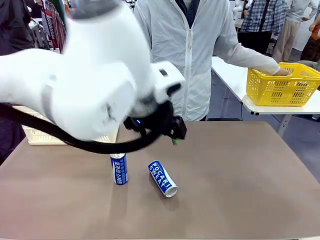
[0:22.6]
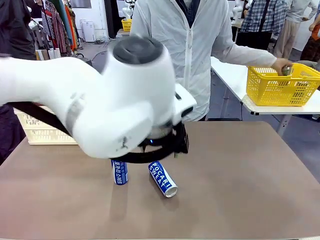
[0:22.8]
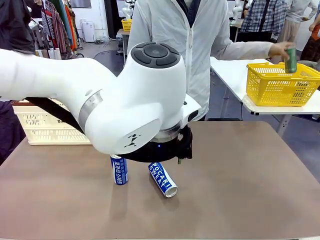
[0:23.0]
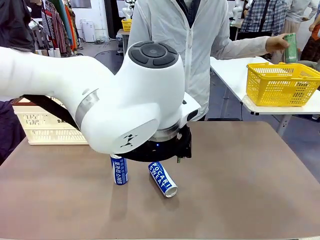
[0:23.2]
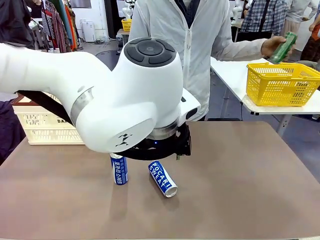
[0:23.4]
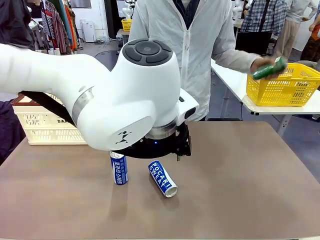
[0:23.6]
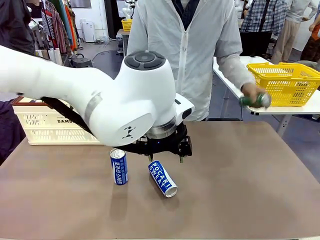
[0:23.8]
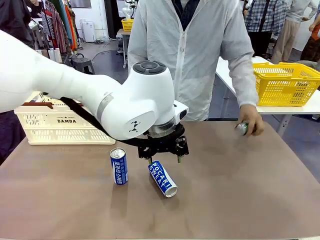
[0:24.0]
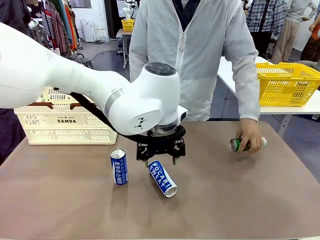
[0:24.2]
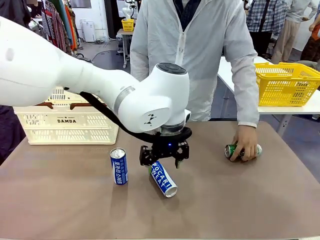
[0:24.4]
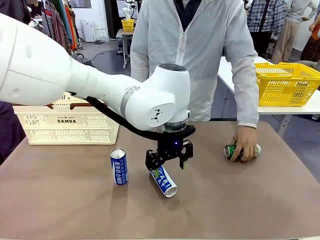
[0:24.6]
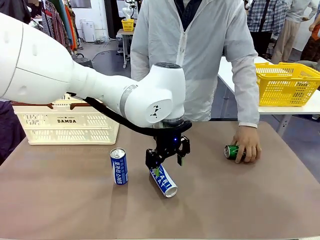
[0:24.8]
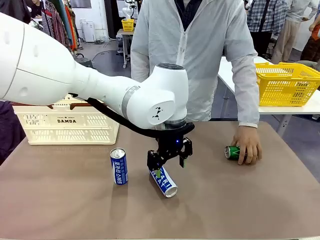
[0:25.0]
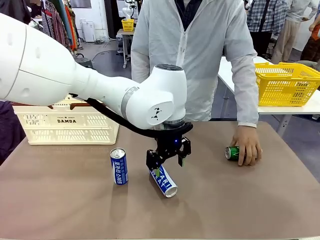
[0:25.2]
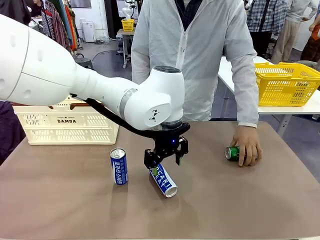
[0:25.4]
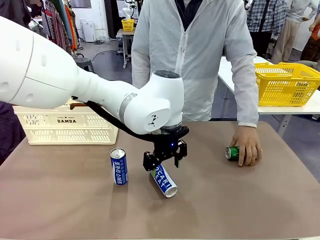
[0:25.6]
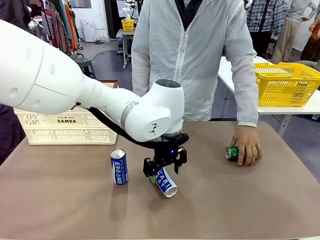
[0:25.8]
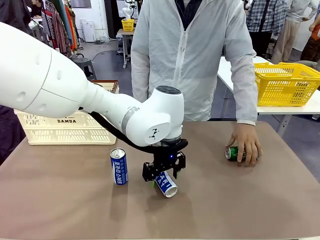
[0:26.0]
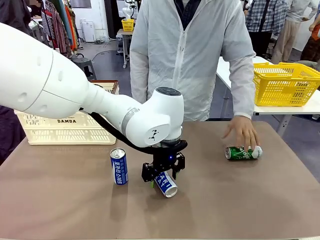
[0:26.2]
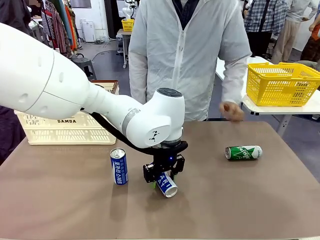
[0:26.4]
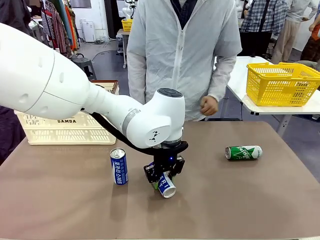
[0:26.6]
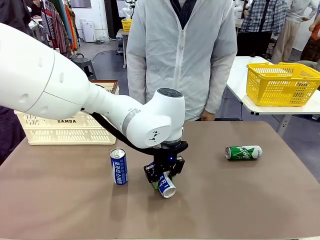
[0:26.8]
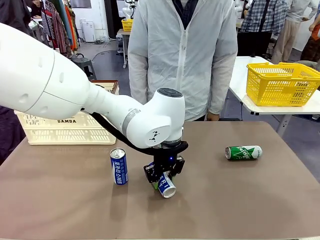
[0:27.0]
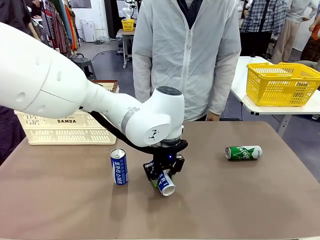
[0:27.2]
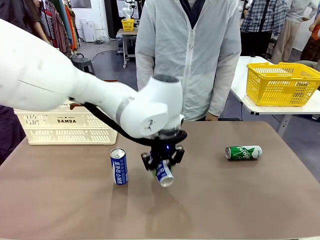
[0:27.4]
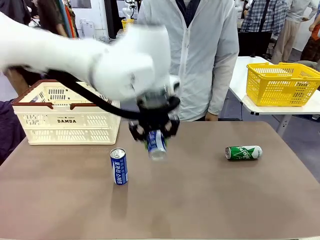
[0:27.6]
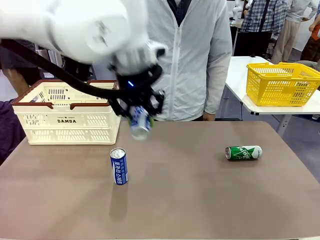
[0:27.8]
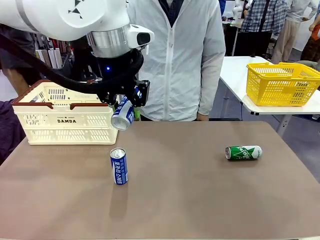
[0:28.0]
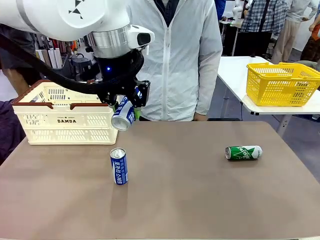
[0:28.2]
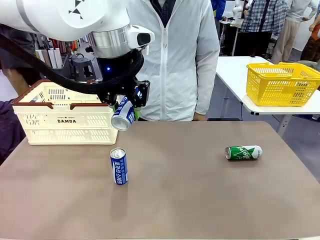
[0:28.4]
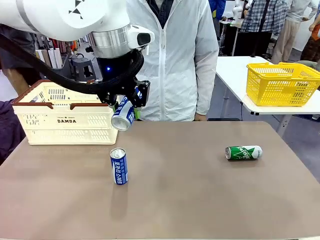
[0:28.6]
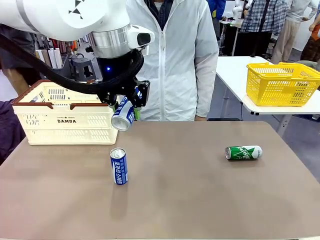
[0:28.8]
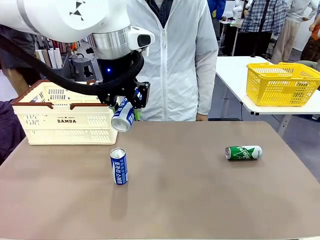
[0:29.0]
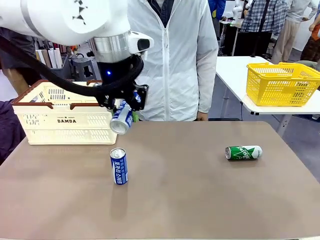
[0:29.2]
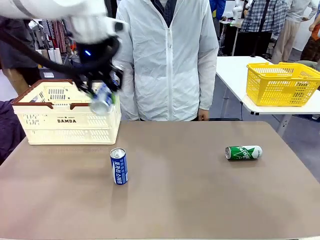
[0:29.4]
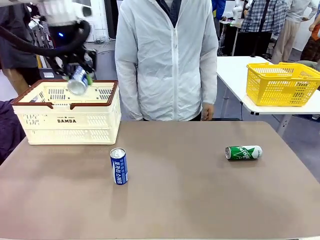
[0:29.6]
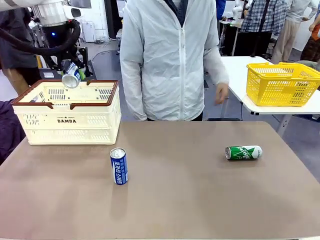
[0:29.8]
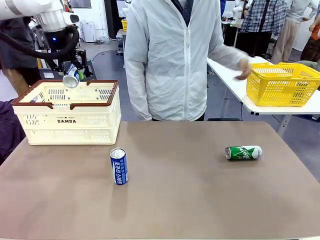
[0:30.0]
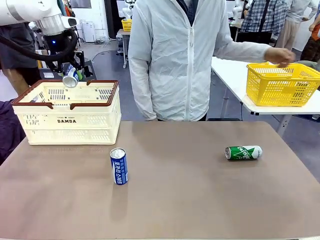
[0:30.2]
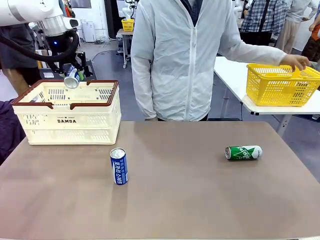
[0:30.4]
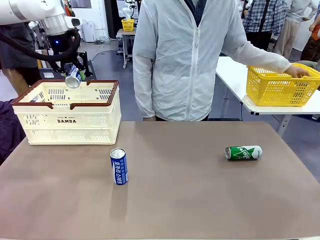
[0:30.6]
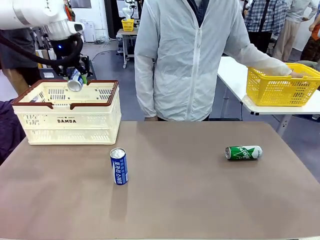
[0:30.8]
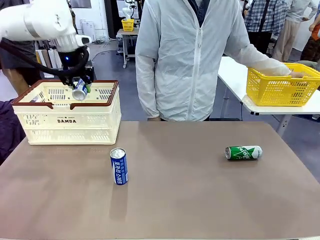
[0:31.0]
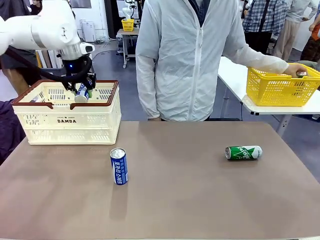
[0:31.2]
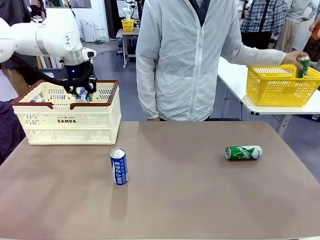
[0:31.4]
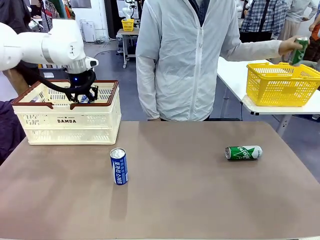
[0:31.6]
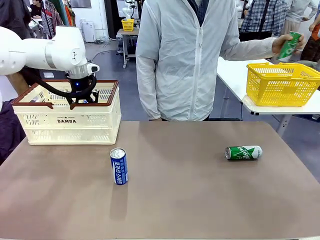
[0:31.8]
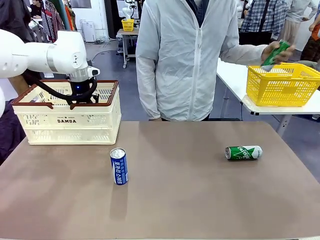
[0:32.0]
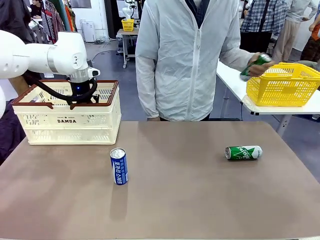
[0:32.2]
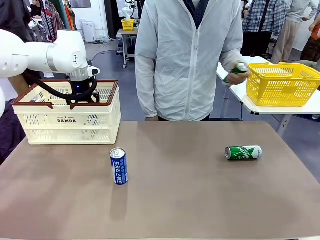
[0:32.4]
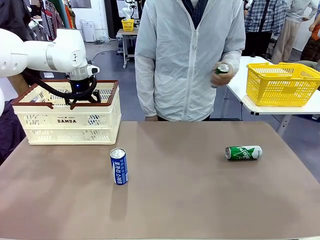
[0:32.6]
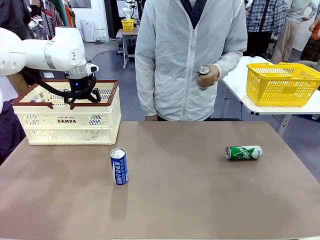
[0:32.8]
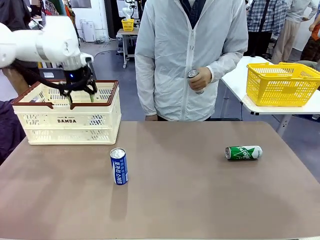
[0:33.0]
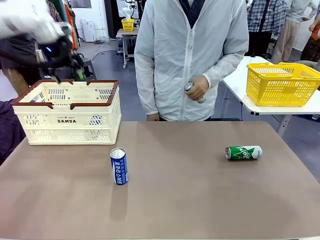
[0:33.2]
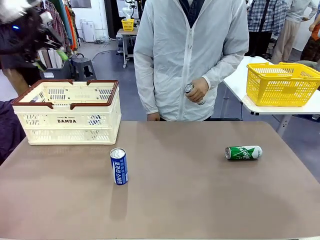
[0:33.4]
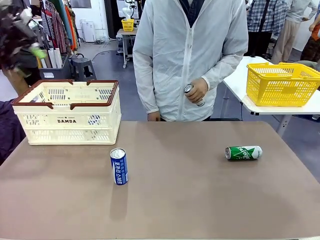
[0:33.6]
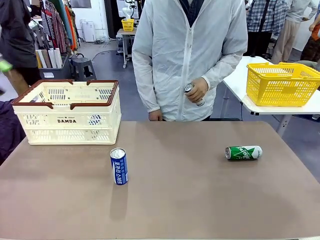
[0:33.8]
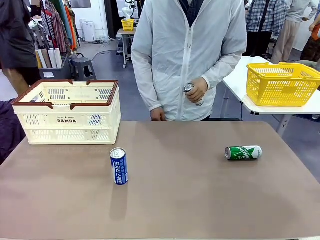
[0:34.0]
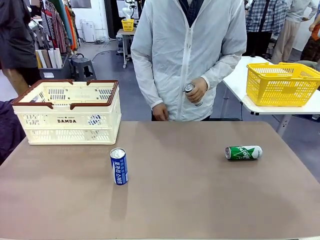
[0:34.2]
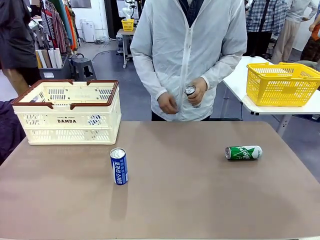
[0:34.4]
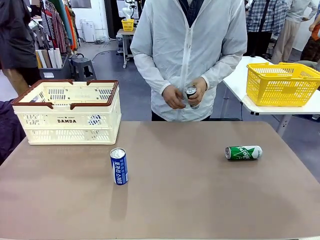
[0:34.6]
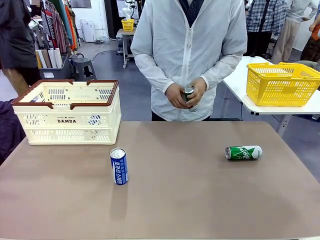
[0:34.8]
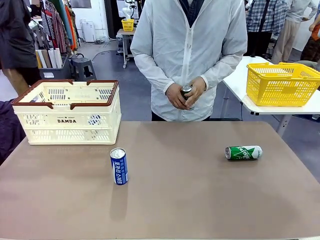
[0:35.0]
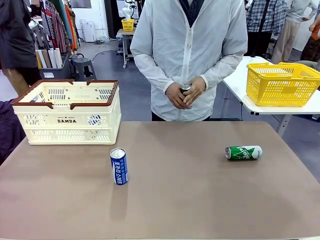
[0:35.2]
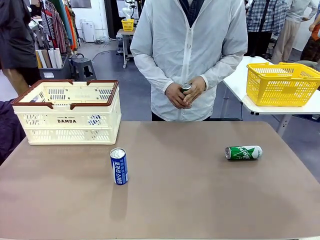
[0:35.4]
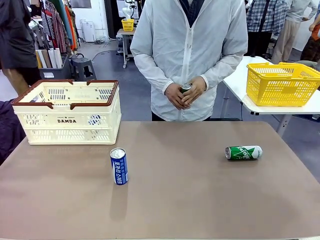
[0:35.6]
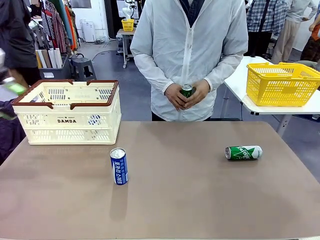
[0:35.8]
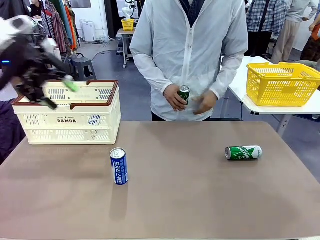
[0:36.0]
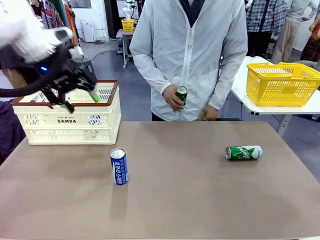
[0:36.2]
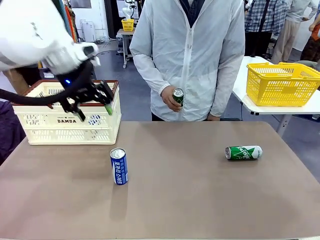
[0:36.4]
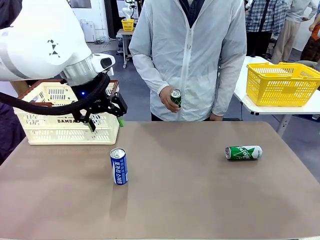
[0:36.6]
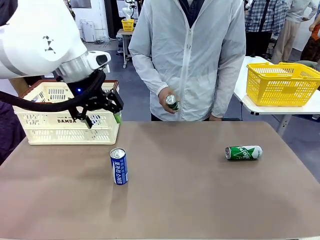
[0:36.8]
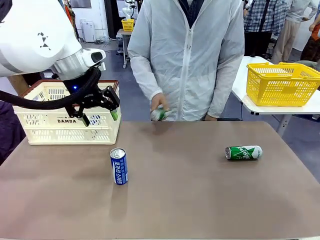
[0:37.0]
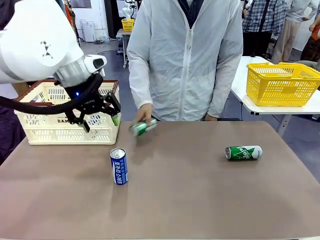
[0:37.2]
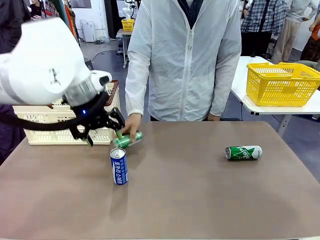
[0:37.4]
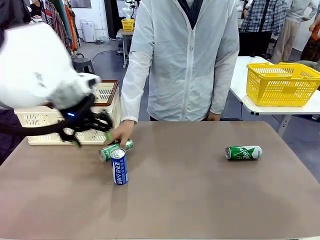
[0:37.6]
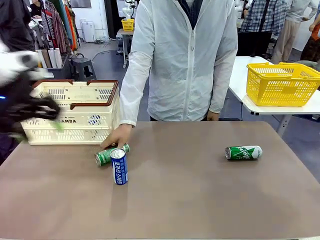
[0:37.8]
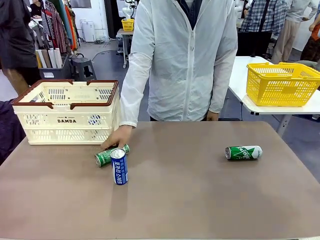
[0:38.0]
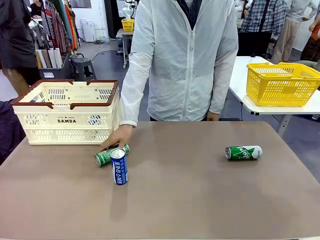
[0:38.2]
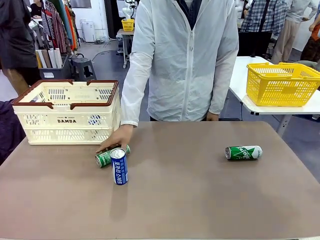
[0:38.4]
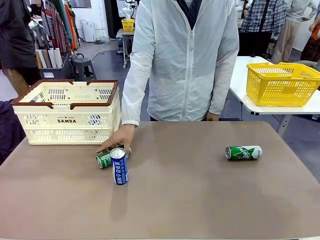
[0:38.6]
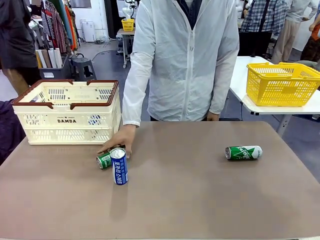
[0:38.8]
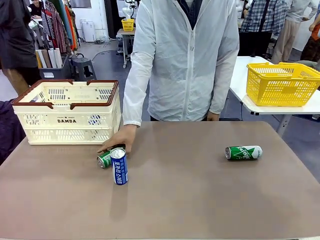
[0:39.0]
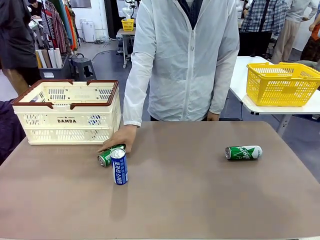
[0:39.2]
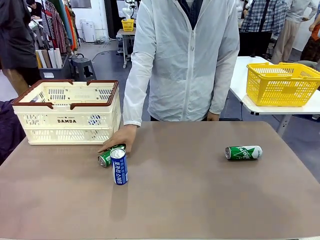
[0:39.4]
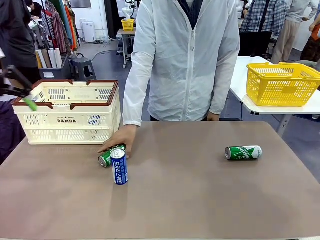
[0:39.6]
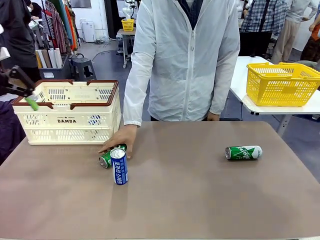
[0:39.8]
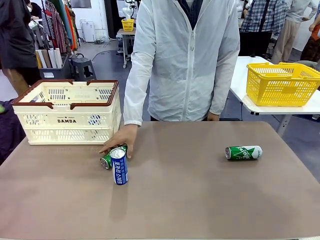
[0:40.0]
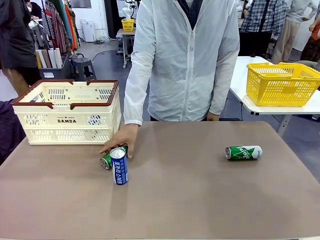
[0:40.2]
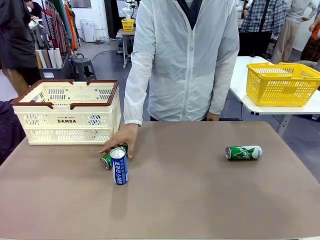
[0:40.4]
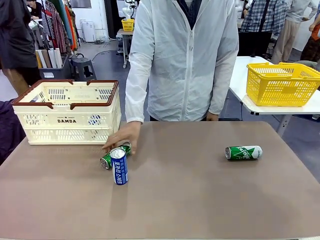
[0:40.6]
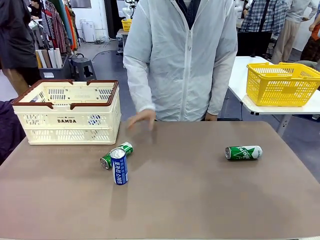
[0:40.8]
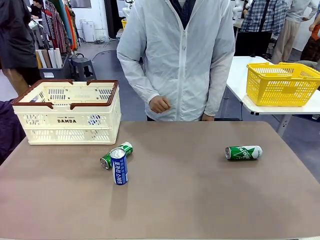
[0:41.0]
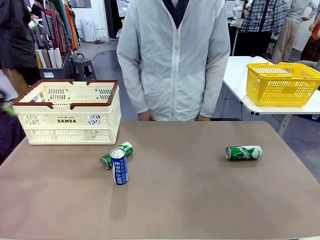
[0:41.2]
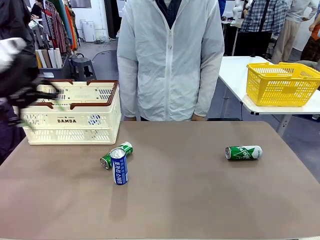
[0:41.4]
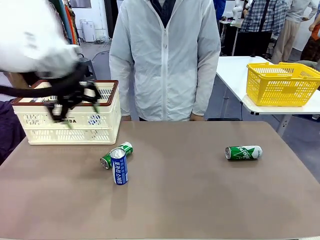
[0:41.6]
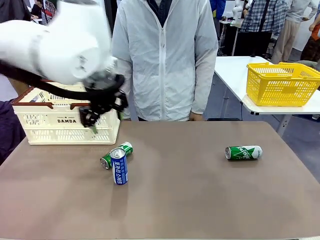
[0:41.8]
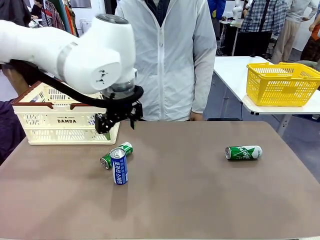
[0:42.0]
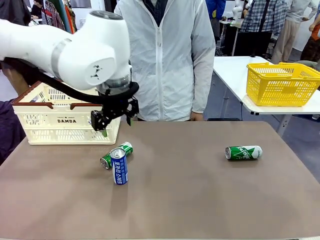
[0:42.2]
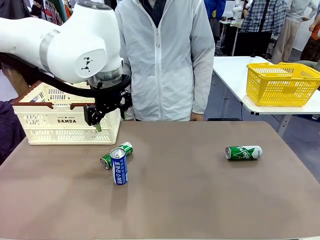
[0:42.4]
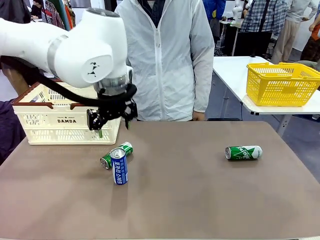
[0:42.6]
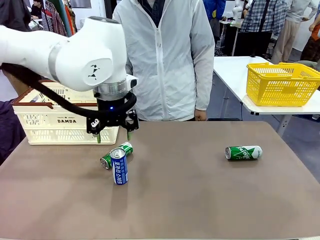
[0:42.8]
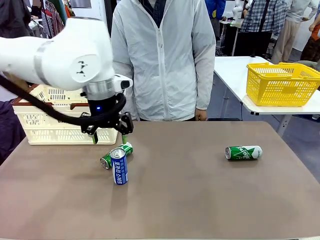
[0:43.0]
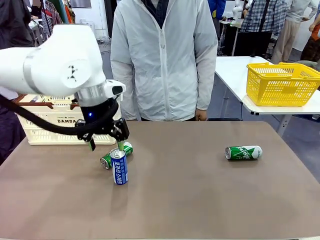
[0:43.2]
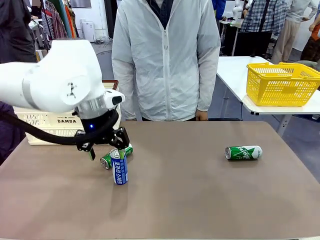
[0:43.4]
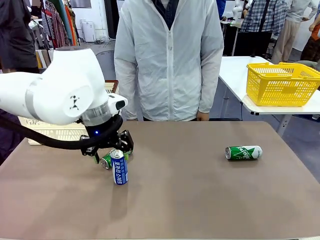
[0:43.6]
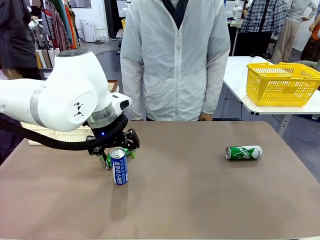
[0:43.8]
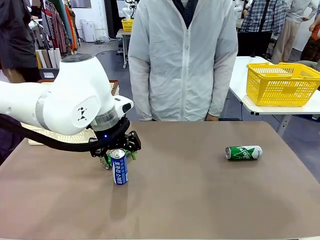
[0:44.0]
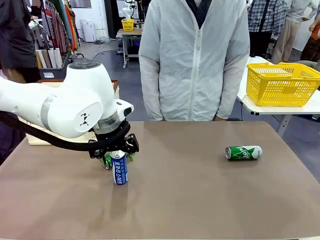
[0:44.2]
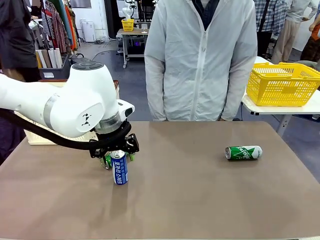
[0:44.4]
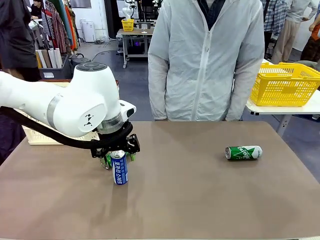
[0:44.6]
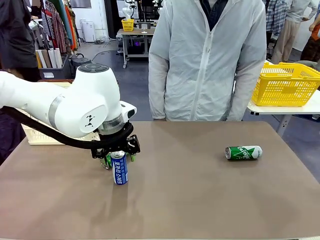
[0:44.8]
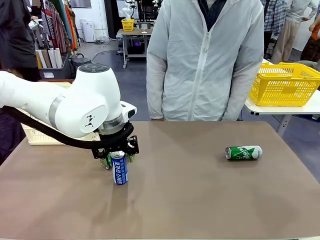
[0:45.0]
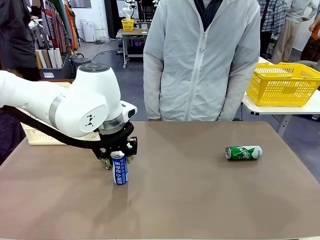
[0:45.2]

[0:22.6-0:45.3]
Task: Place the drinks into the Shopping basket.
Robot: Pick up one drink and place it into the Shopping basket.
